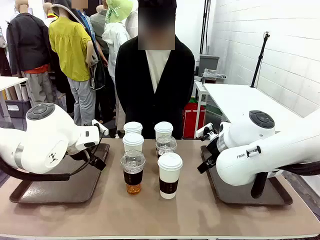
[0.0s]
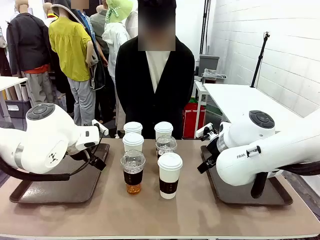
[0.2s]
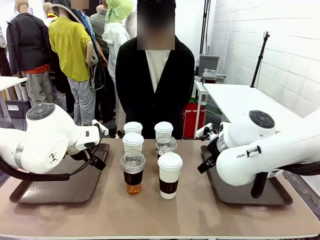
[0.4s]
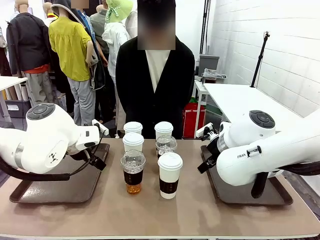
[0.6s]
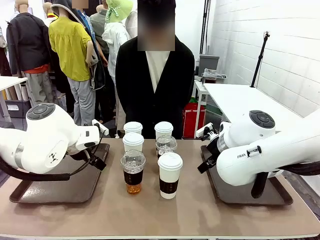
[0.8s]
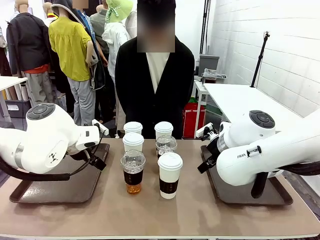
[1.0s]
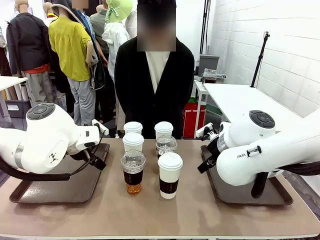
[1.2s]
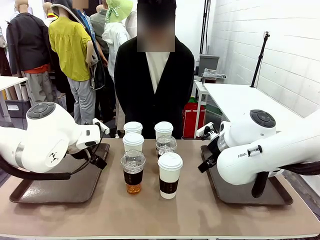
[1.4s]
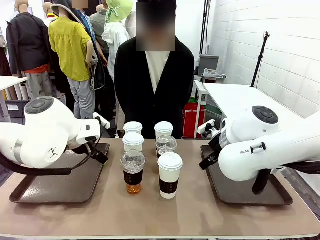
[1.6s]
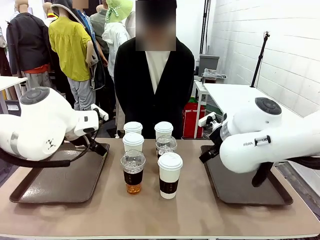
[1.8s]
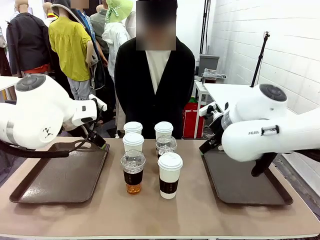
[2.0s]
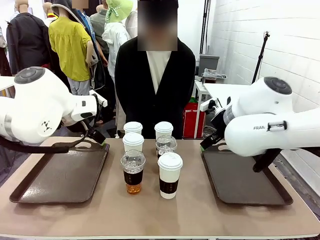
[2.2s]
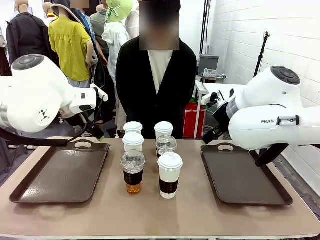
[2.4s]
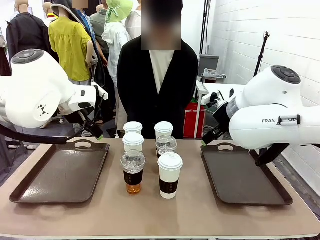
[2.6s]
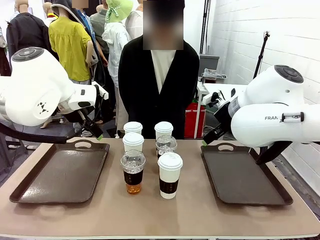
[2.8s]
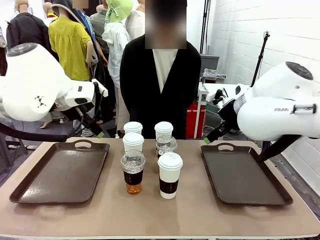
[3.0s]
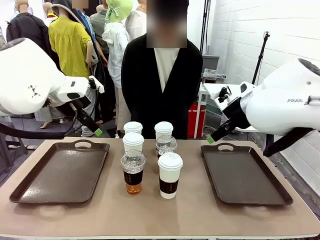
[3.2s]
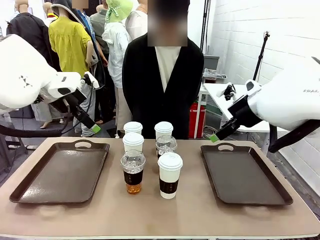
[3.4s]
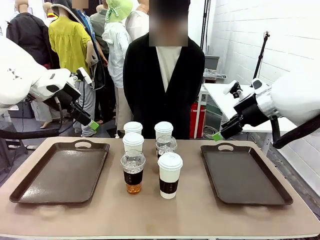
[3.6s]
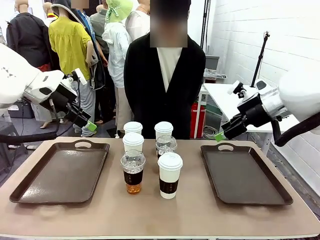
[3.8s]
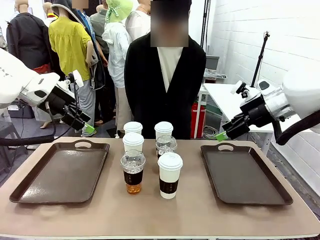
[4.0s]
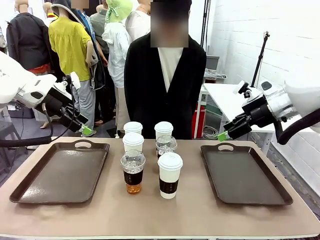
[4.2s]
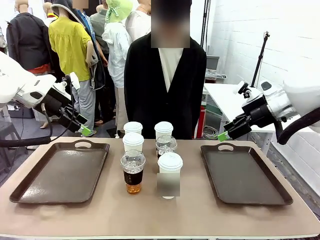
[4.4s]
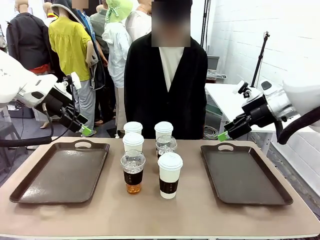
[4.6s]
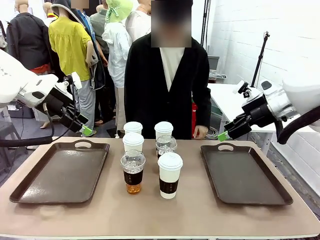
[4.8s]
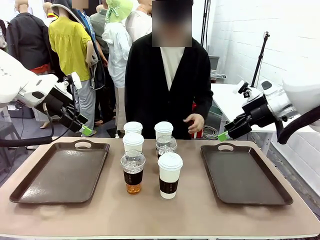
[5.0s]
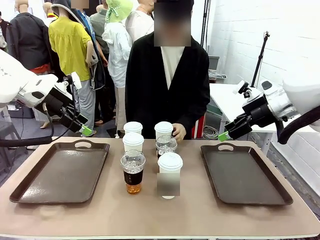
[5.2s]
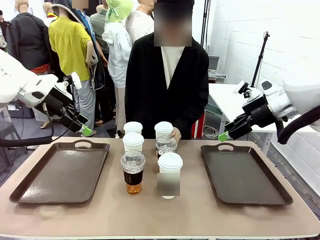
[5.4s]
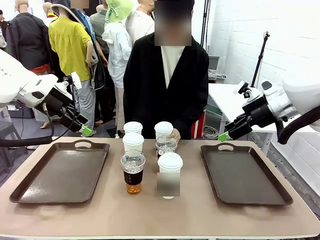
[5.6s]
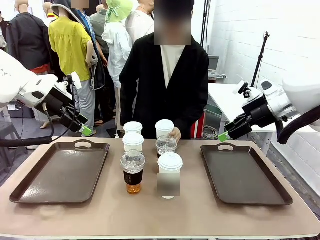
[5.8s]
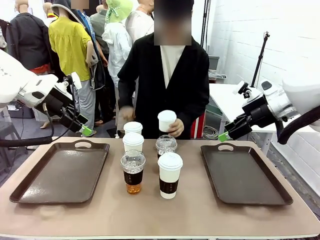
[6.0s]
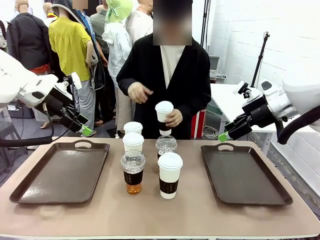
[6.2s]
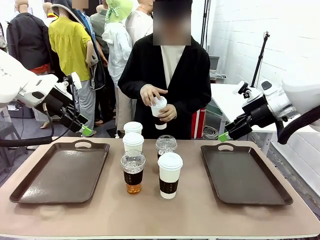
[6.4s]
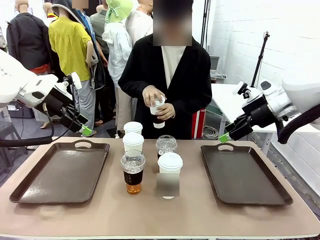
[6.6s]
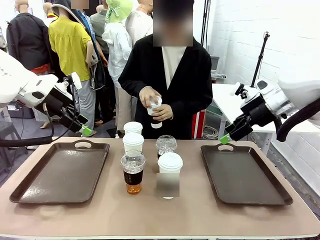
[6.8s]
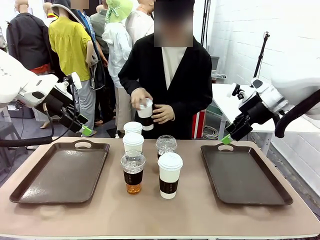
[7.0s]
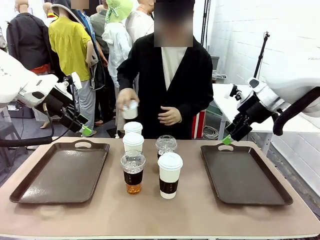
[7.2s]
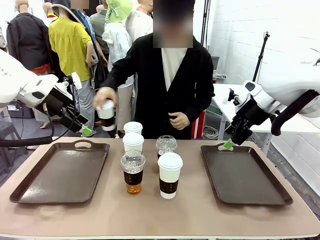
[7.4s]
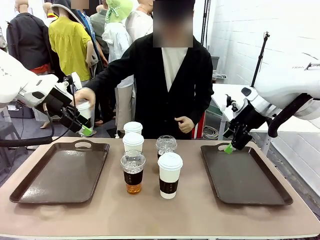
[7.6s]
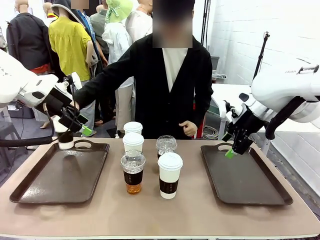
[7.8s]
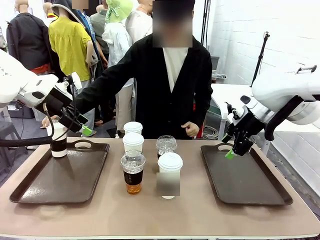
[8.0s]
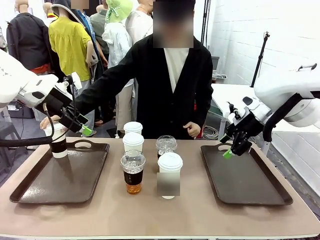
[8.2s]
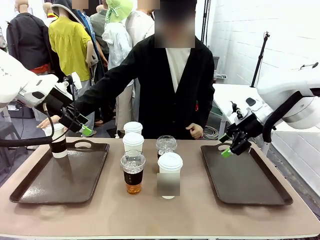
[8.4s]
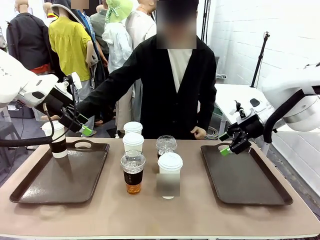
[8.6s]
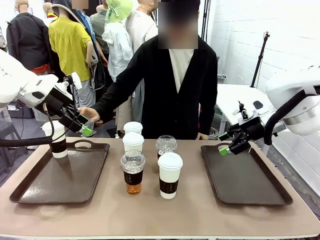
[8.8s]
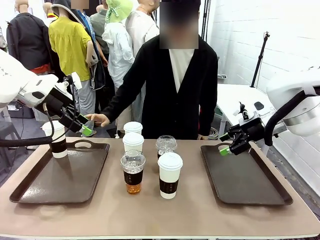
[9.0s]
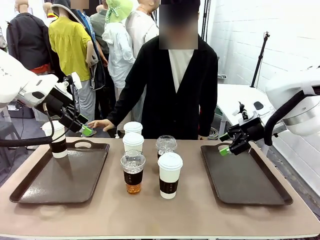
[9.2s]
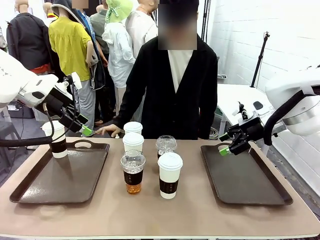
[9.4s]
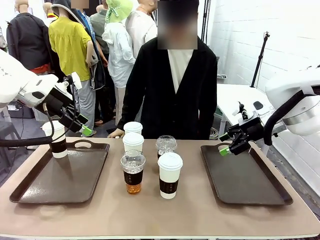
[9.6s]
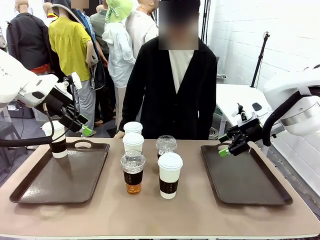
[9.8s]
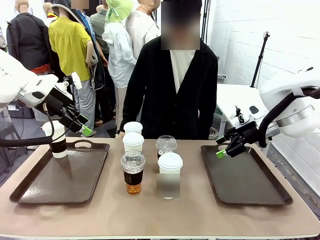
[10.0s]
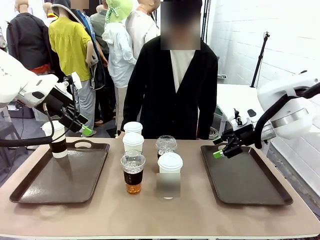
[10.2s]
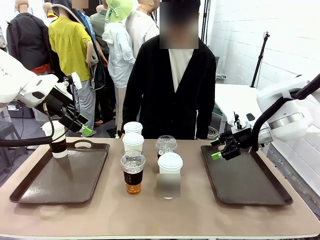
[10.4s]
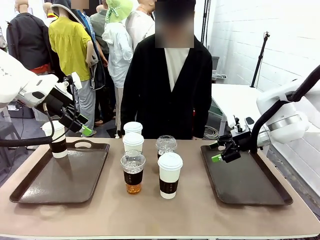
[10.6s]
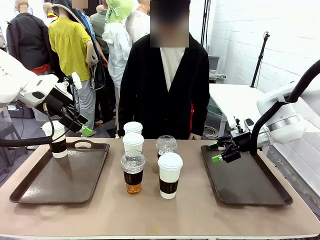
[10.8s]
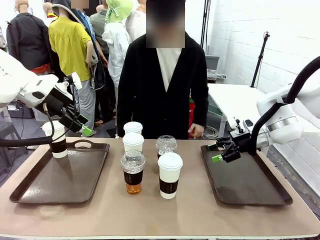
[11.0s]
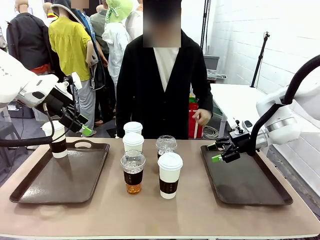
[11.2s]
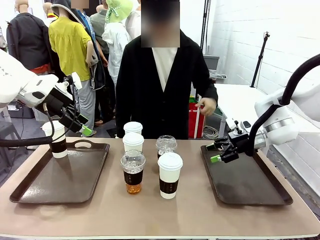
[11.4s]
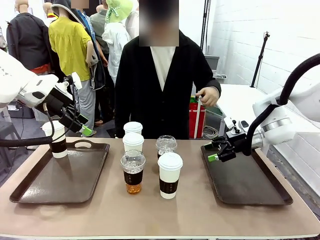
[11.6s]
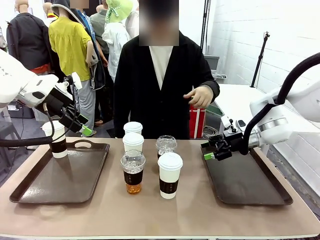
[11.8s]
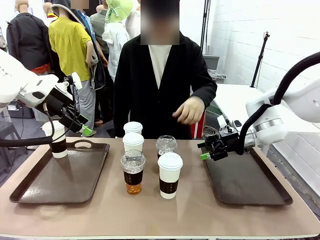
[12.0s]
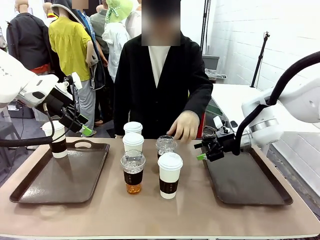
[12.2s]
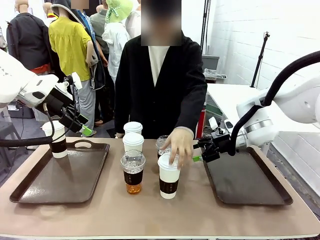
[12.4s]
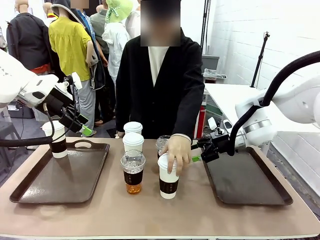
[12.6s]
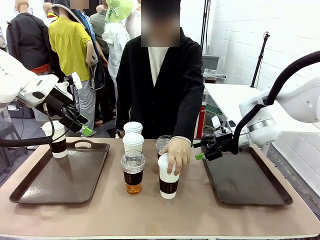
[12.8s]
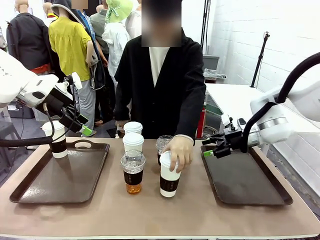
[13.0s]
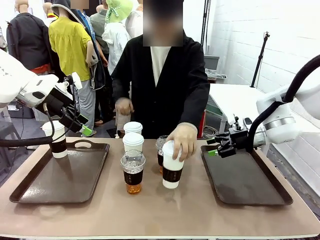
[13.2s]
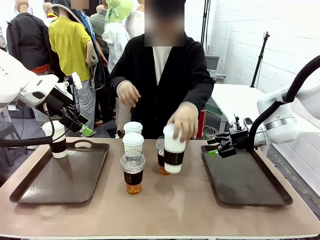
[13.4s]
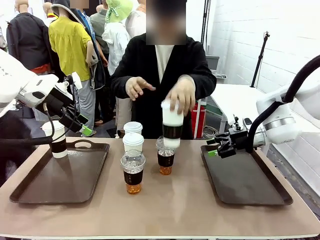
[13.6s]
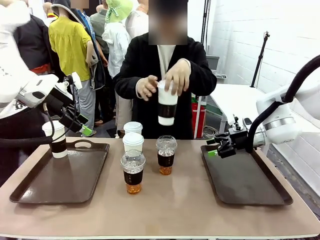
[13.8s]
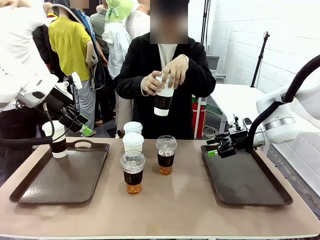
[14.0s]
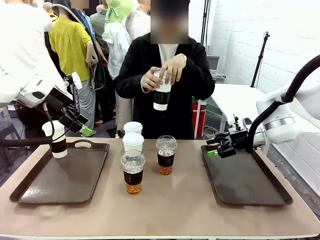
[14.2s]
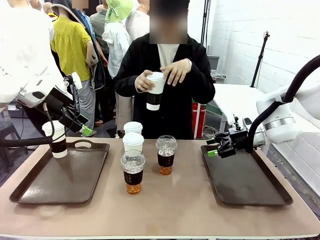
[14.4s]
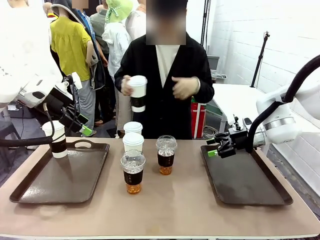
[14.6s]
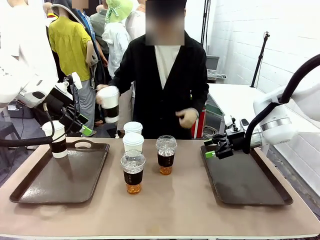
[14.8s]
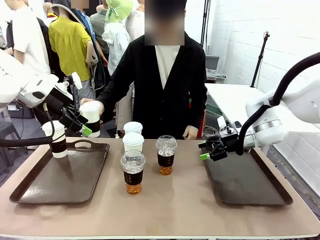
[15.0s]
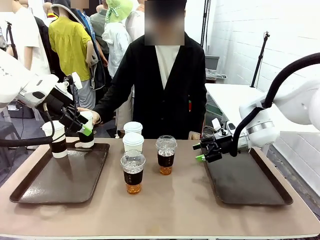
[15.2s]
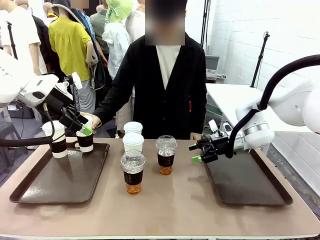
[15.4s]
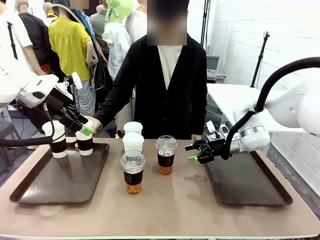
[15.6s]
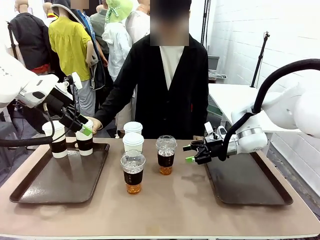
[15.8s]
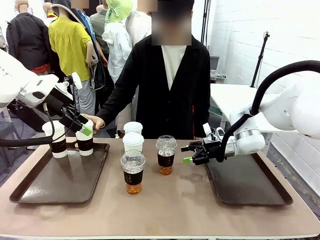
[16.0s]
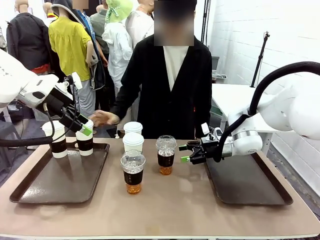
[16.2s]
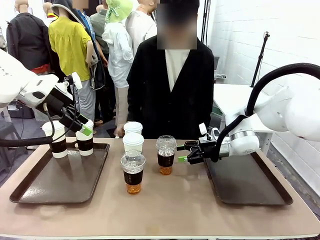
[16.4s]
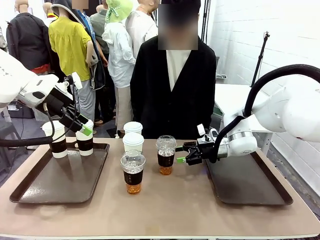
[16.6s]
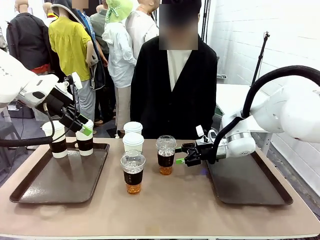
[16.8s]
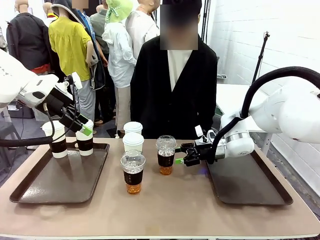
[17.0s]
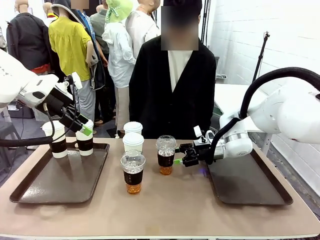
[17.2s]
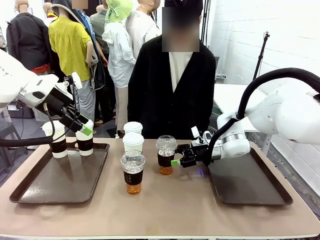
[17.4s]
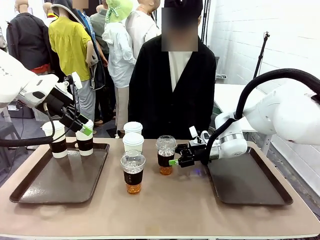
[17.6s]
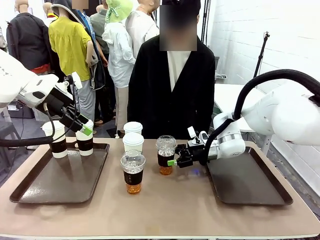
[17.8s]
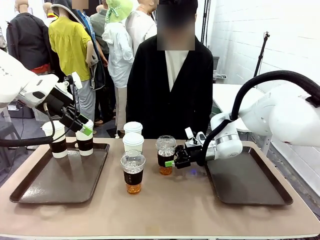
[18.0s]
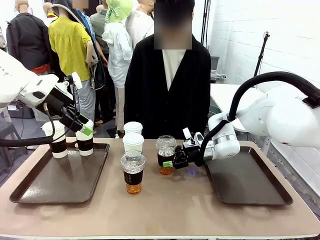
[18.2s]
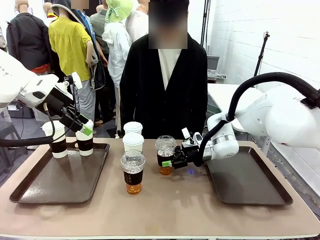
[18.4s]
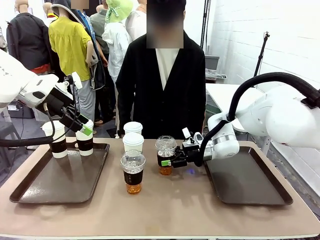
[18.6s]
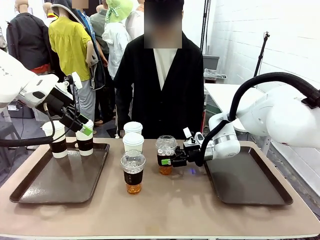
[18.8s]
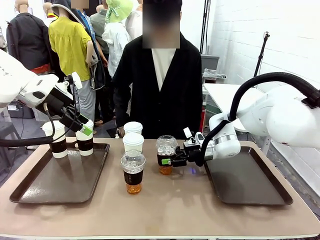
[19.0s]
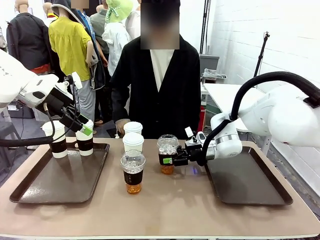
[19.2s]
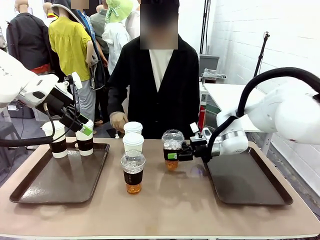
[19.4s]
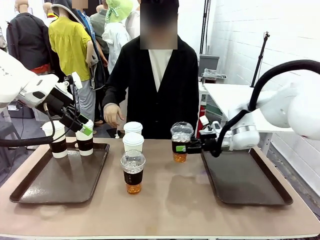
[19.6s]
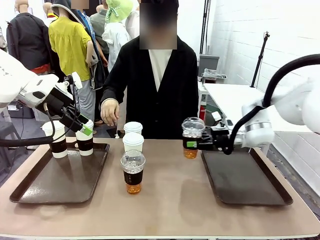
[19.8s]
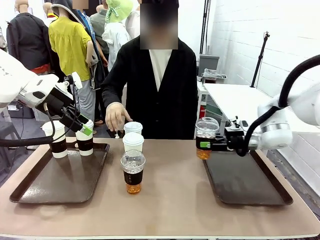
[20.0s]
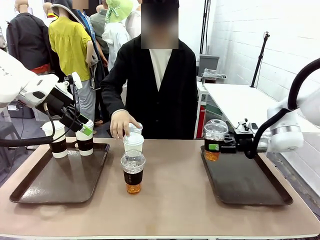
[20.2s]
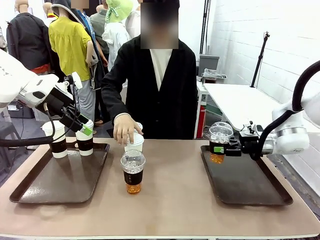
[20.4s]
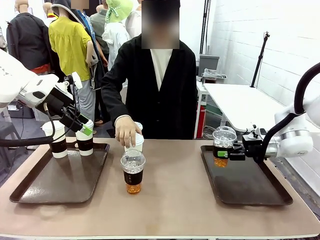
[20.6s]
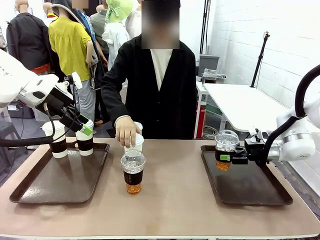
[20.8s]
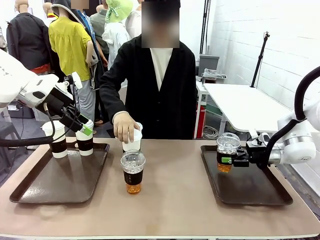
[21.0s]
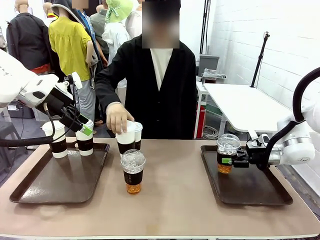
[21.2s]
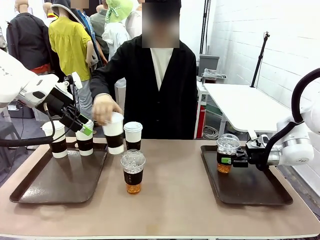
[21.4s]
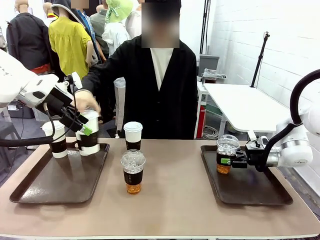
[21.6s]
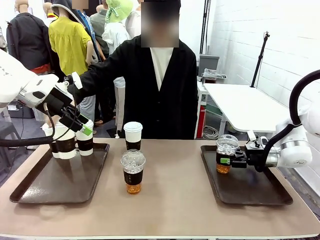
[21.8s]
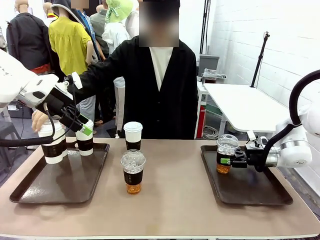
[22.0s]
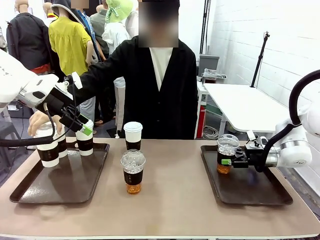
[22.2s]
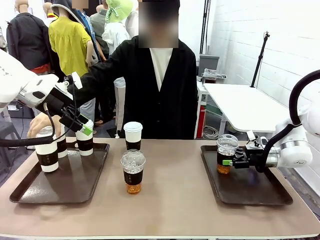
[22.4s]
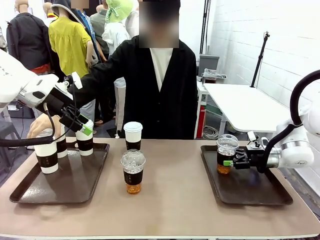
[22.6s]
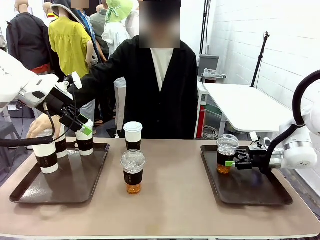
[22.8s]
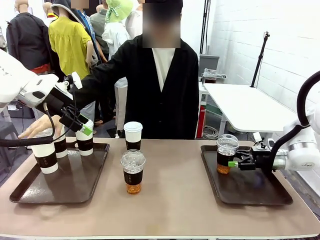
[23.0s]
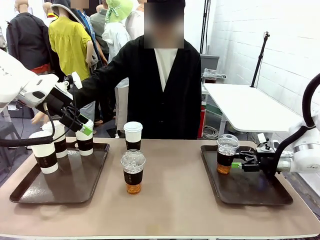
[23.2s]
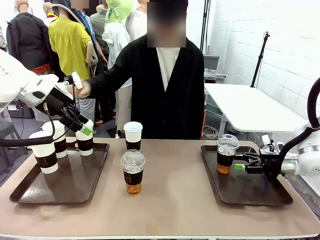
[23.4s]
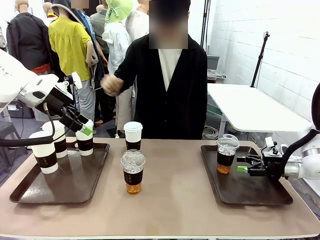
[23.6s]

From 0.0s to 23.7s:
Task: Distribute the coffee onto the tray.
Robot: Pick up one iced Americano and place it on the right Handle tray.
Person: Pick up a cup of hot Americano and place it on the right tray.
